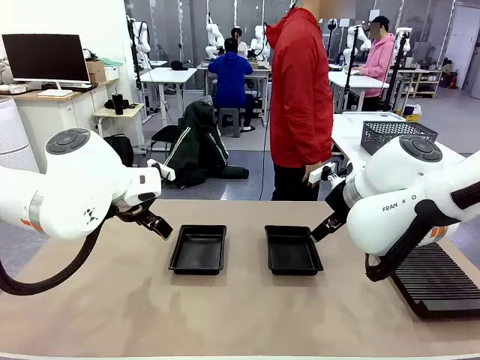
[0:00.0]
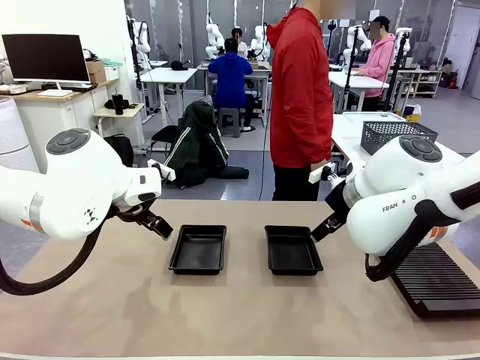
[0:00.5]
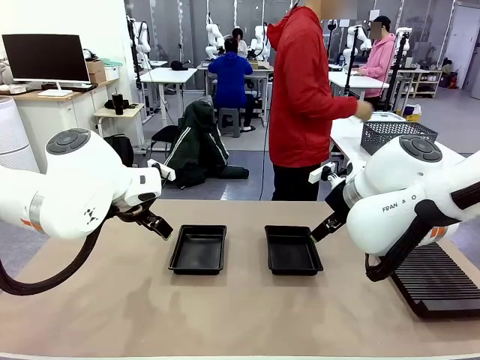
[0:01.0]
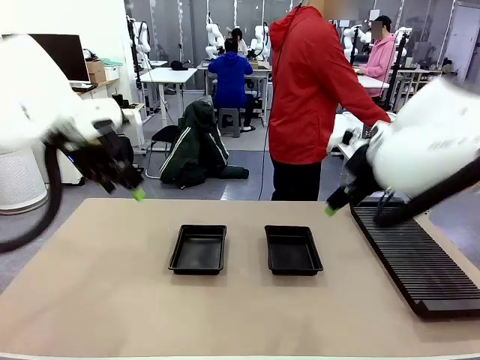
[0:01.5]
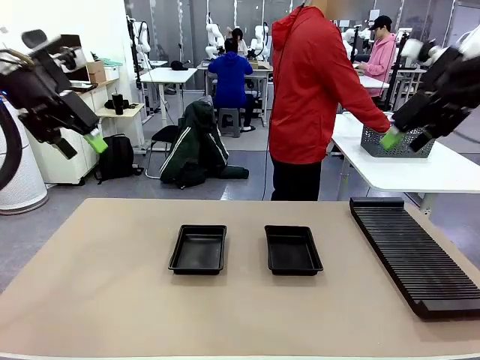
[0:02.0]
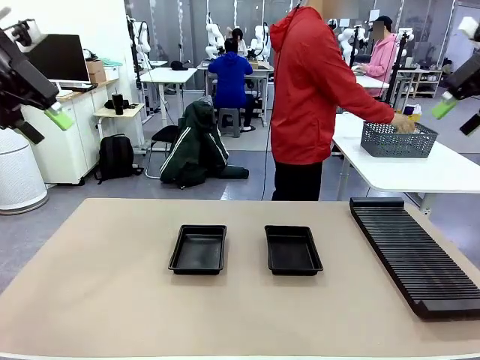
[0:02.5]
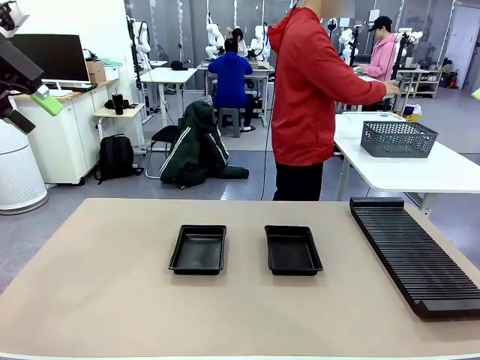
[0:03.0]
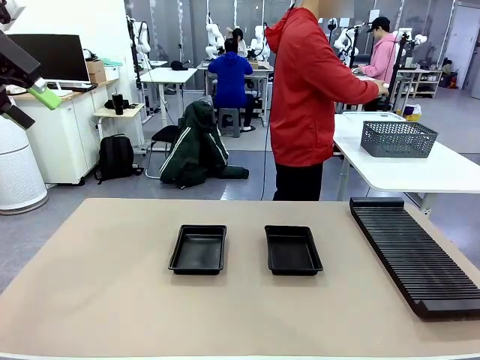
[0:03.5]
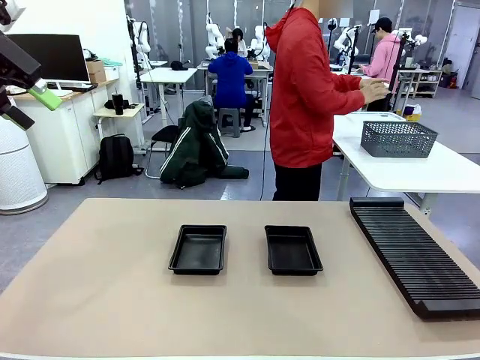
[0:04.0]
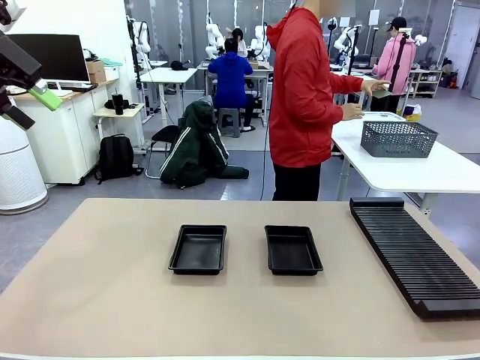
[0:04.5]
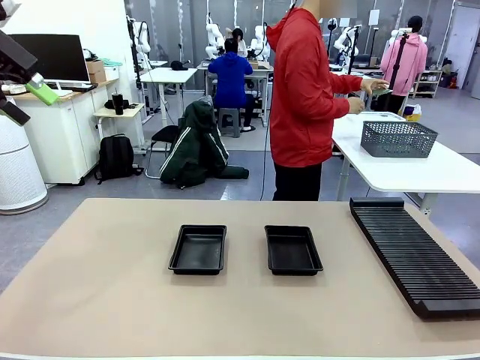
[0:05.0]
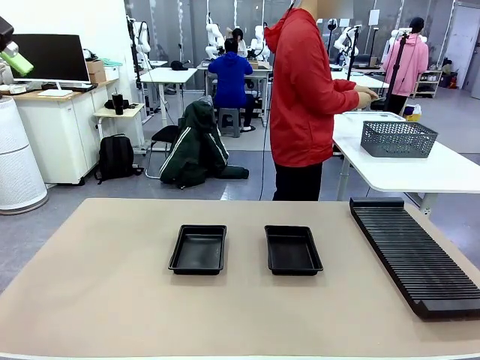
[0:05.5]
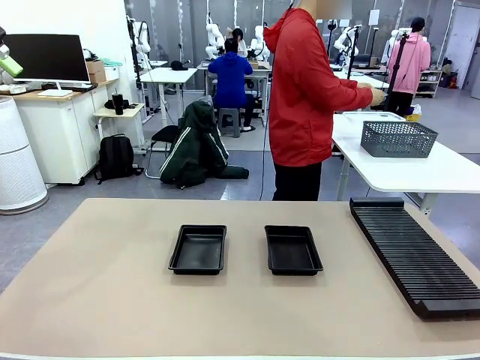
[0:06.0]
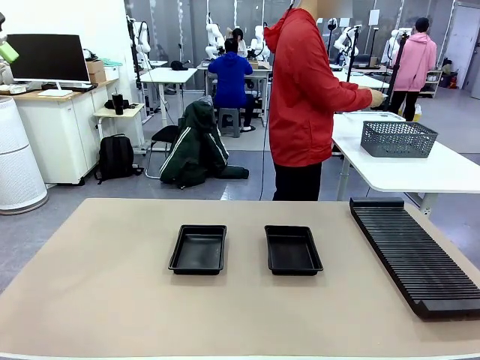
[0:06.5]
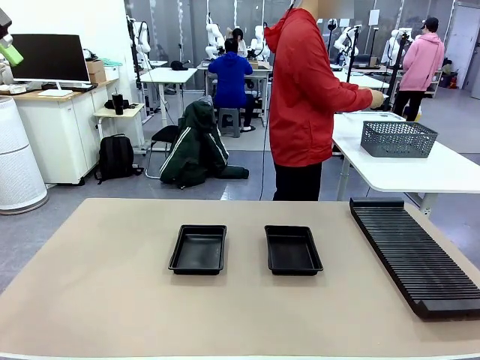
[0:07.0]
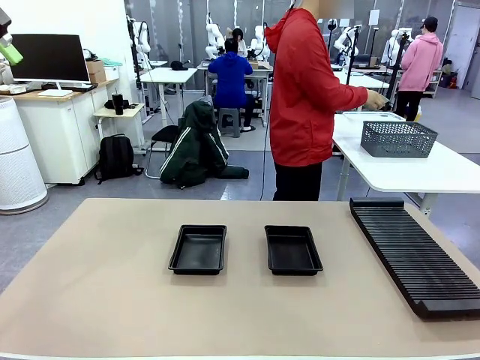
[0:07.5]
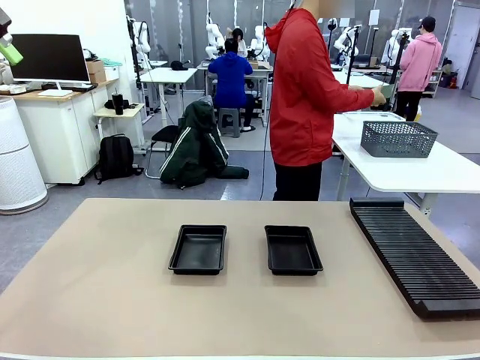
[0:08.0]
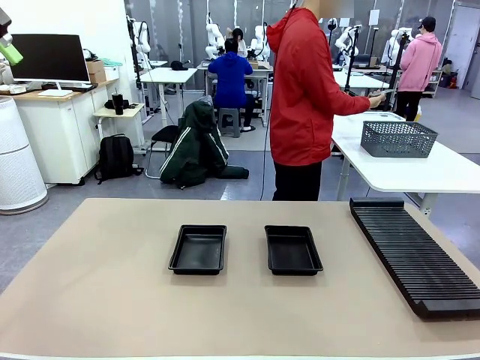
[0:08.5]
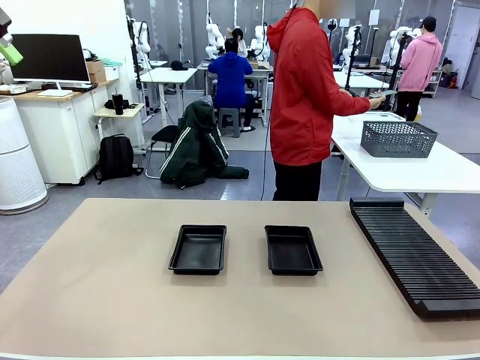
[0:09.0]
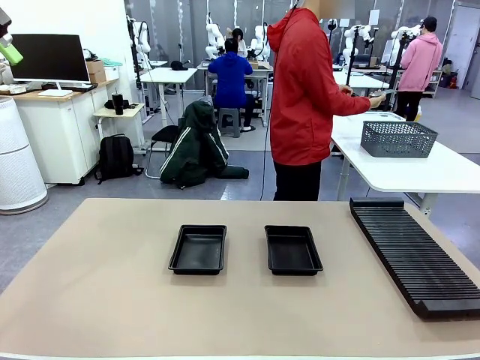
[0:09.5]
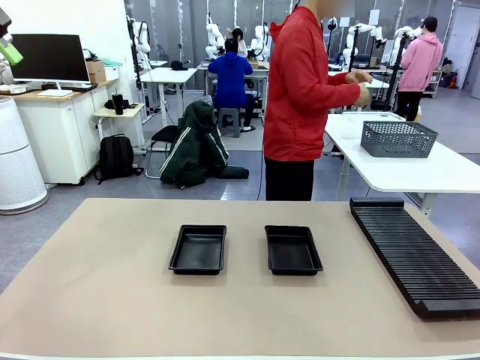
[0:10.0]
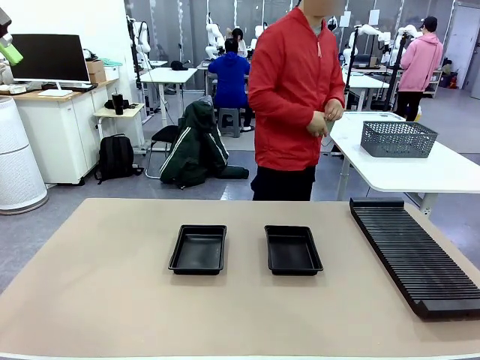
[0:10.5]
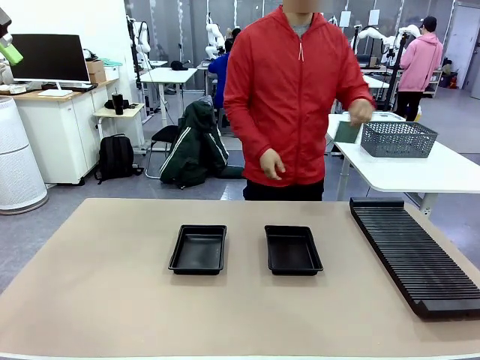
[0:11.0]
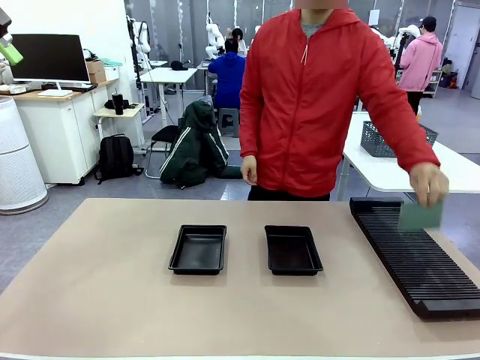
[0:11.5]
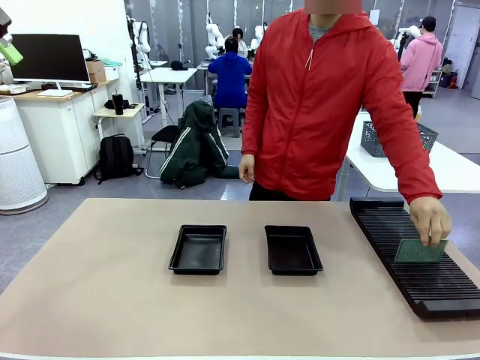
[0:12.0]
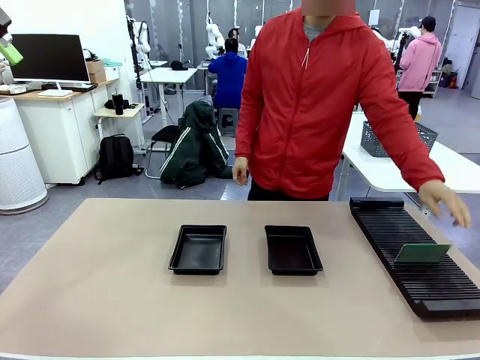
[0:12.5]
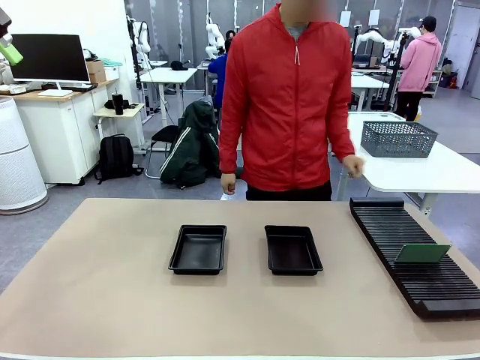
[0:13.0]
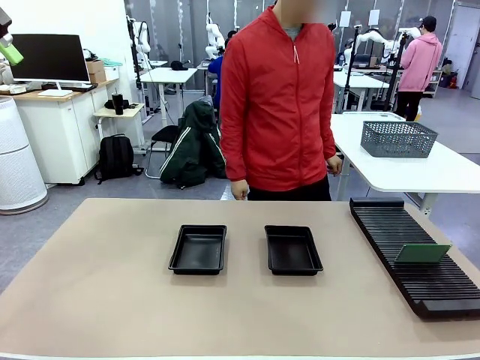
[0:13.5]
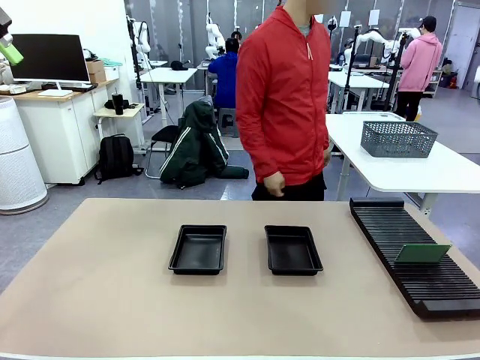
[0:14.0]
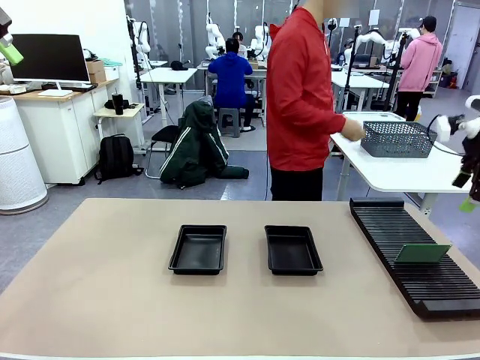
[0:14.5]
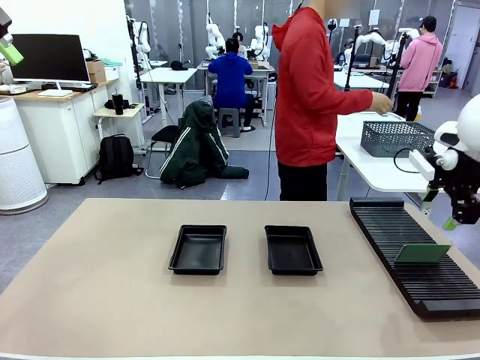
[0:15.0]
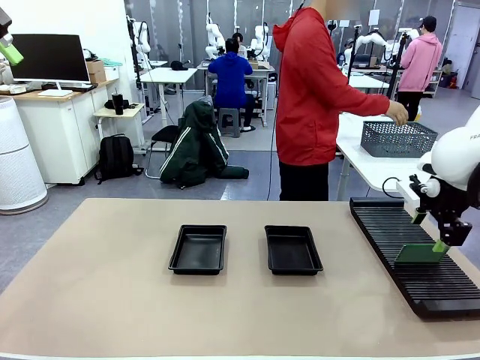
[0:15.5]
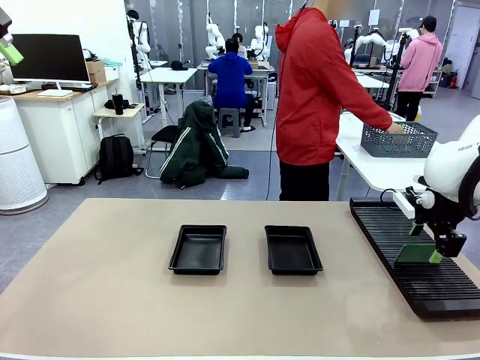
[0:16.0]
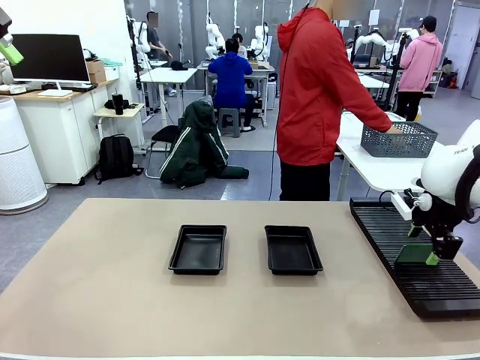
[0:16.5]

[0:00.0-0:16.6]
Task: Inspect and transfer BCBs to ESD trays.
Robot: Pick up the Blank PCB from the PCB Rack and place it in the left ESD tray.
